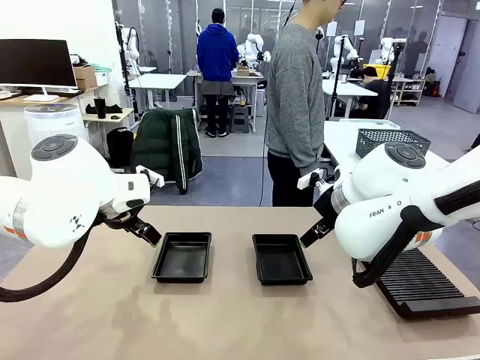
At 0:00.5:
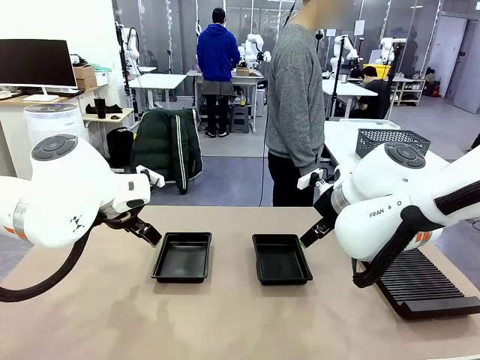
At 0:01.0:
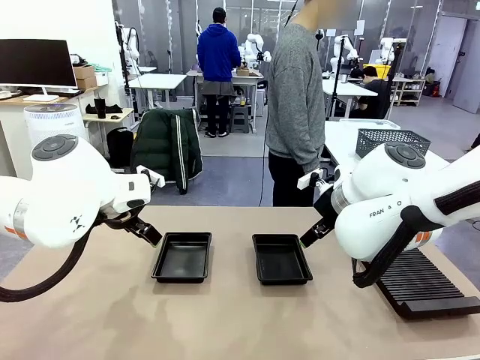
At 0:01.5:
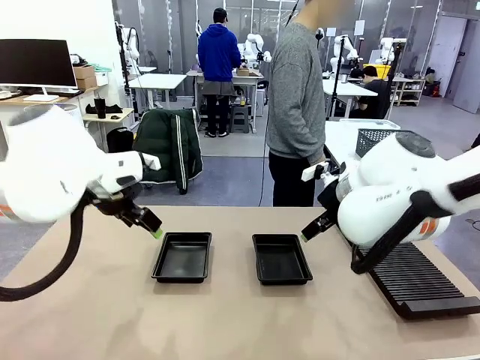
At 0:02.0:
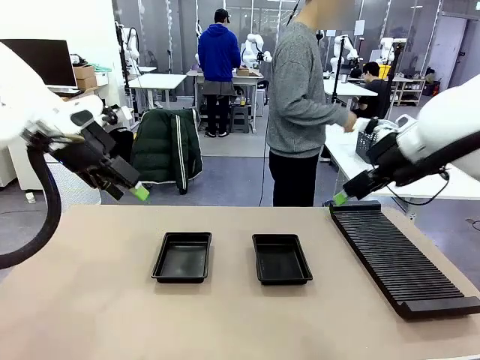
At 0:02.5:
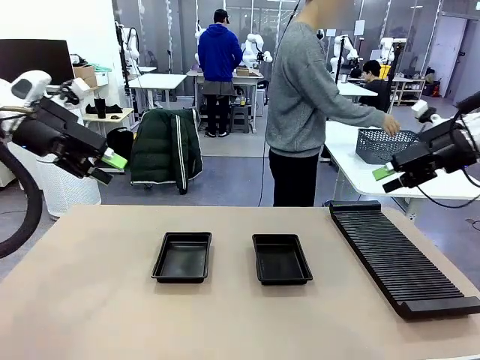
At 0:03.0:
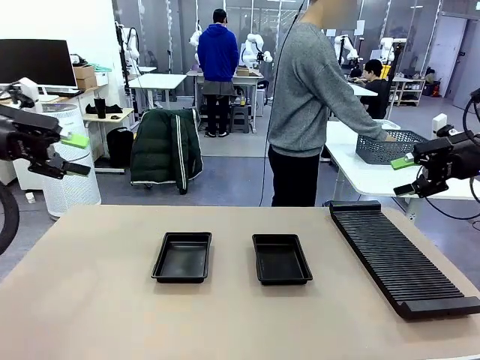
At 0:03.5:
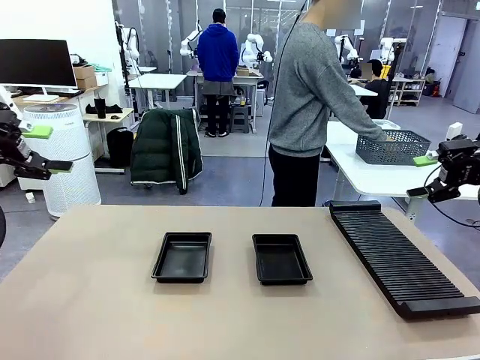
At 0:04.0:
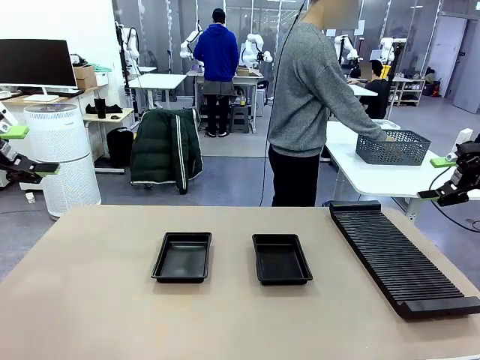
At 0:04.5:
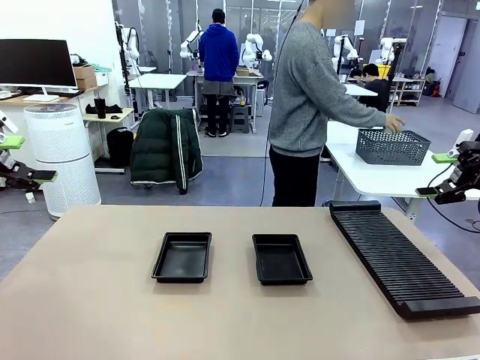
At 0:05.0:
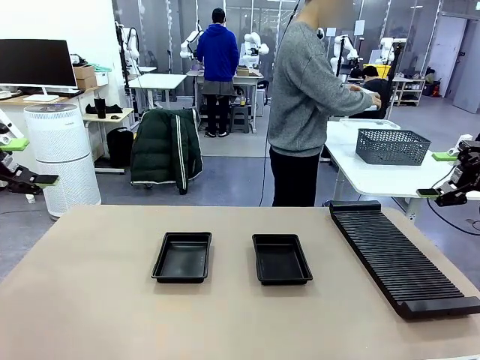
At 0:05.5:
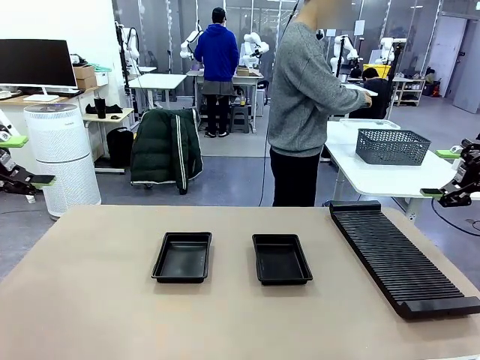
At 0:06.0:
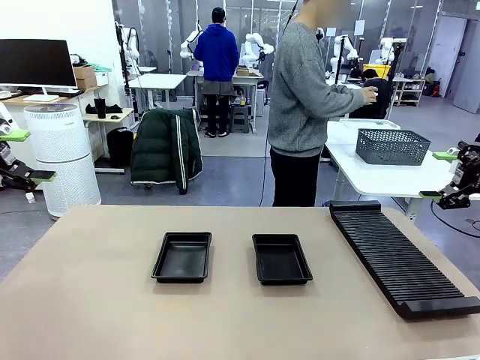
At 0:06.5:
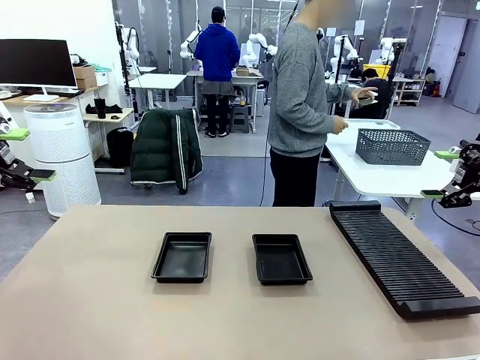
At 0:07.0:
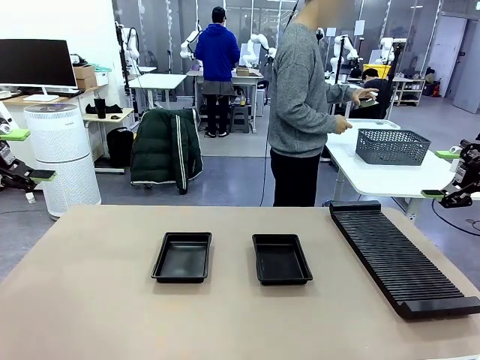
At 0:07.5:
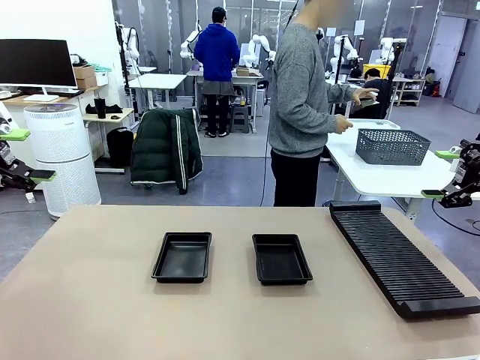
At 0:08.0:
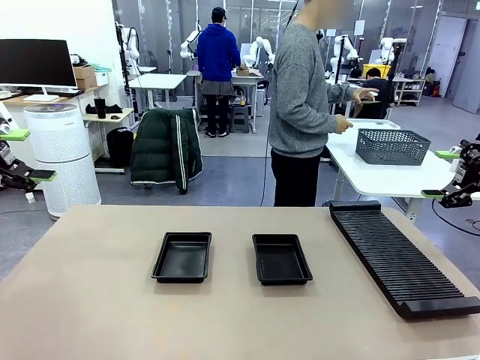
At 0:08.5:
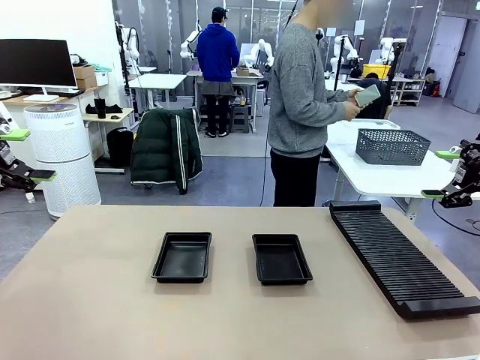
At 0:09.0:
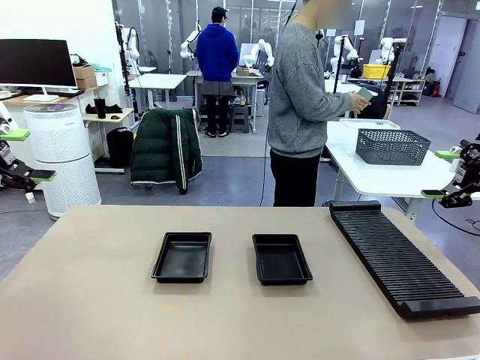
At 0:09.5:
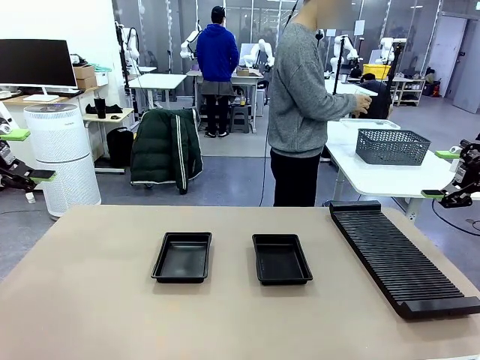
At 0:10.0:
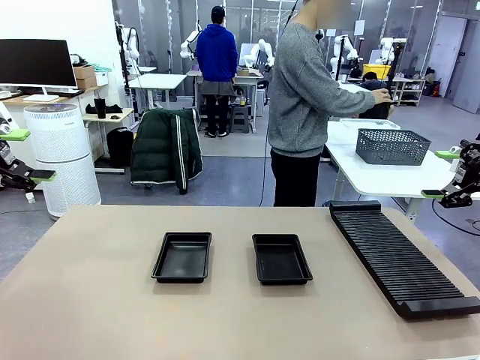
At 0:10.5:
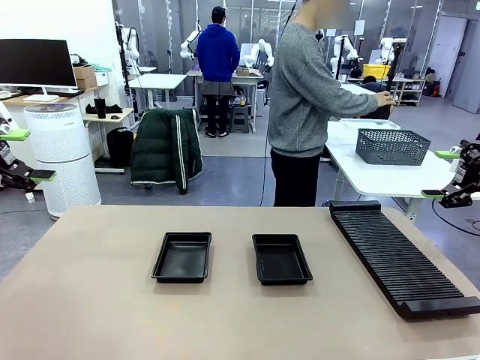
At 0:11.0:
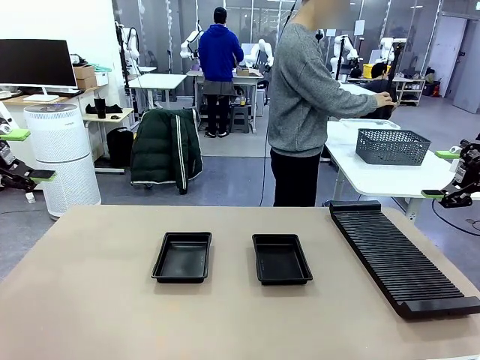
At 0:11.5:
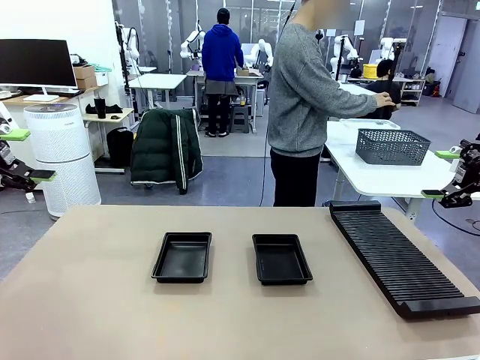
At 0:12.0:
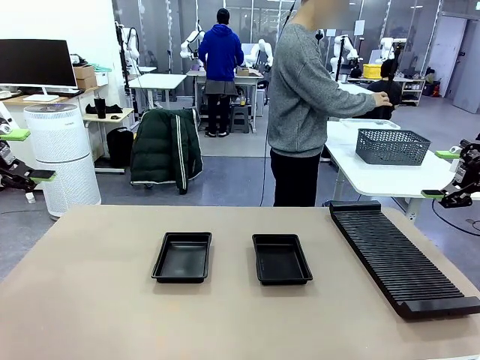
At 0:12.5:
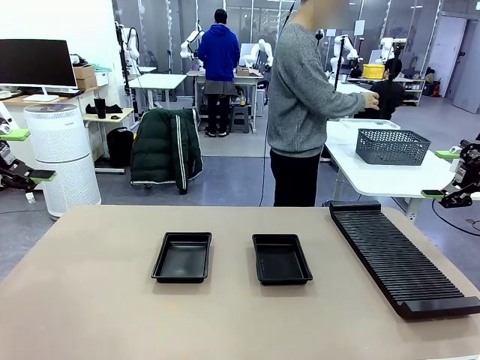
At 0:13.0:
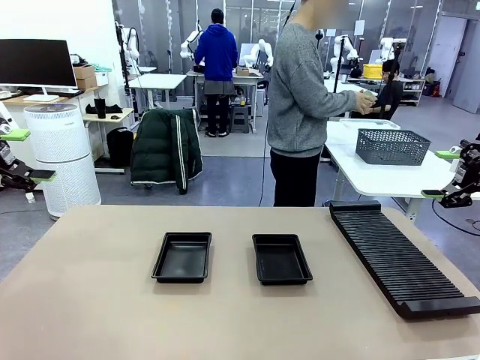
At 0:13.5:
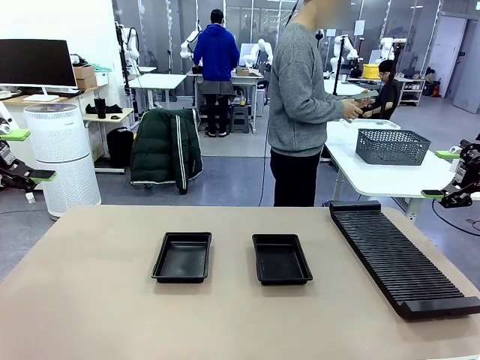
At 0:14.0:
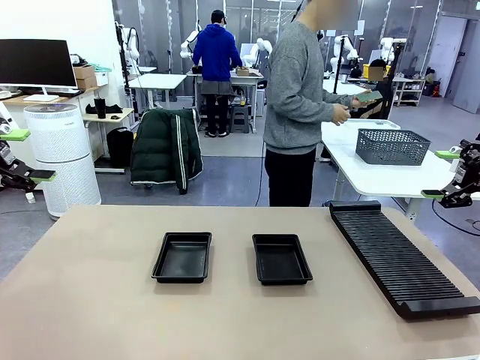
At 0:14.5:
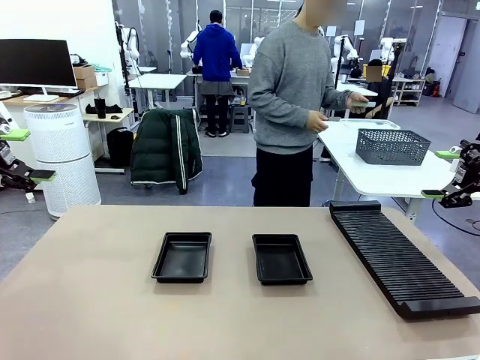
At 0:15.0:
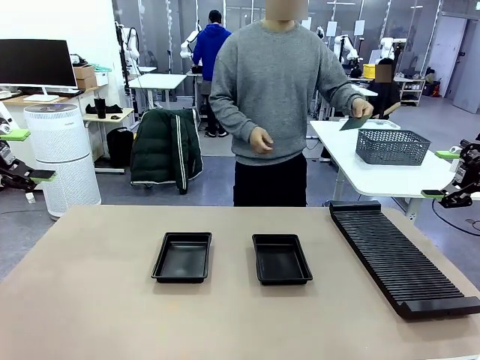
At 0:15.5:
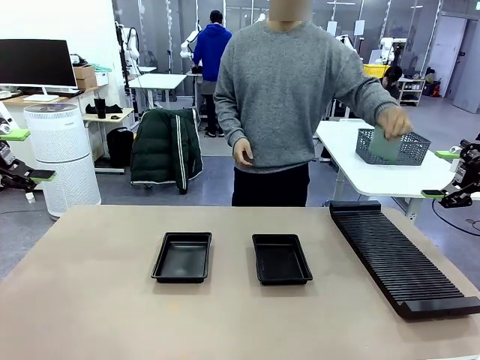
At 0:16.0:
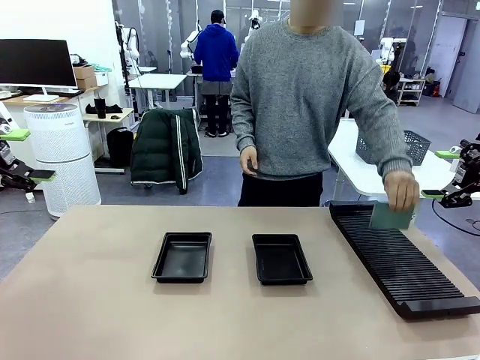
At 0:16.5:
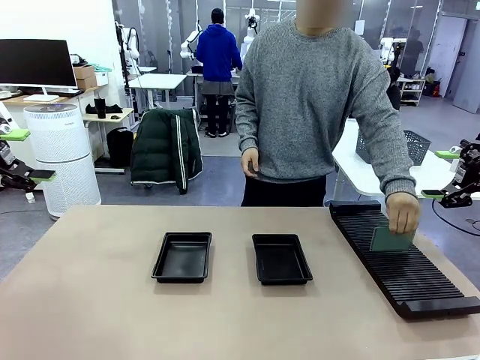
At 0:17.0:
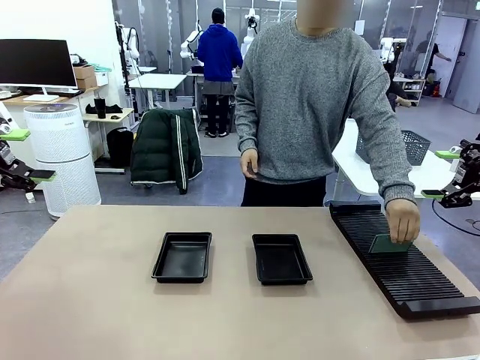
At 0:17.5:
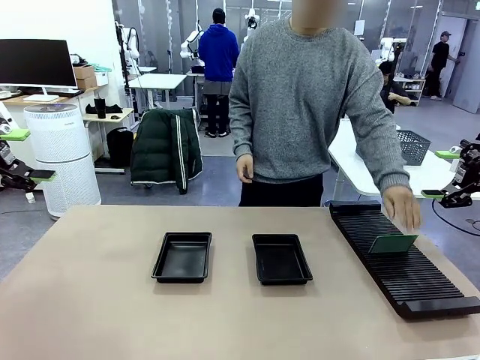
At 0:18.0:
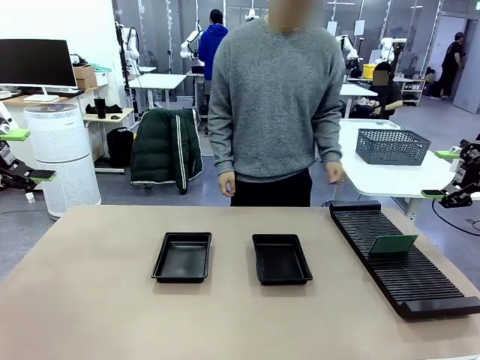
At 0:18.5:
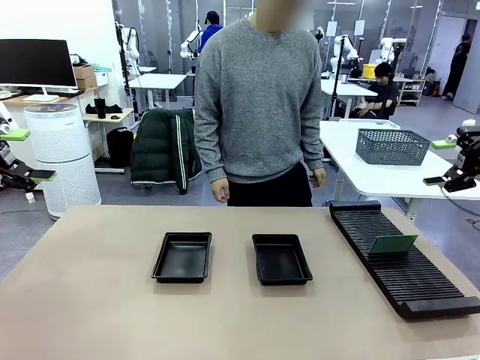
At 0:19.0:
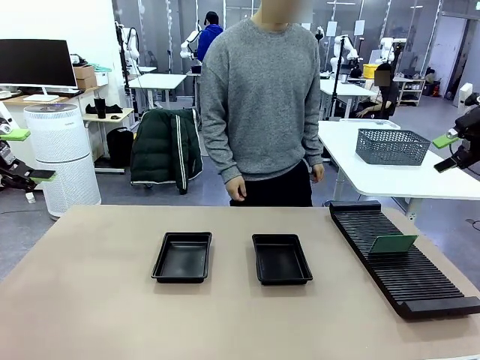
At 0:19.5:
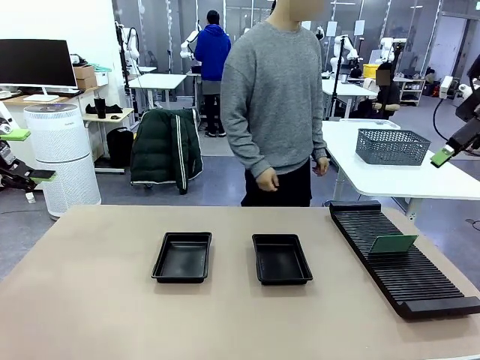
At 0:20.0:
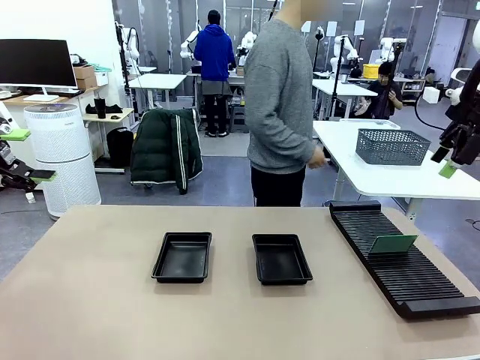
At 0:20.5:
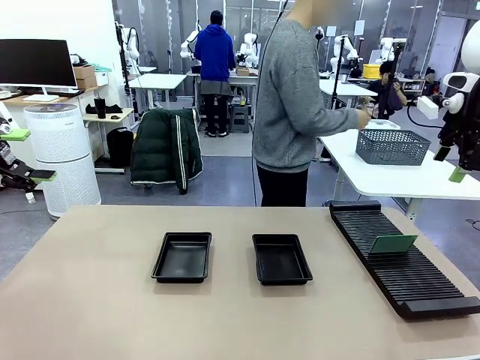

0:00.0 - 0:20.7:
Task: Inspect and transfer BCBs to ESD trays.
Robot: Pick up the Blank PCB from the PCB Rack and place it in the left ESD tray.
